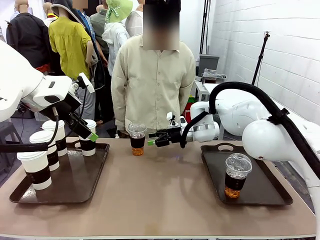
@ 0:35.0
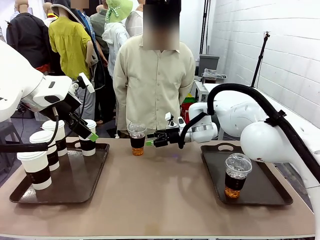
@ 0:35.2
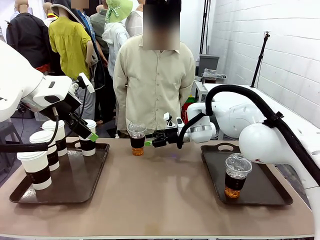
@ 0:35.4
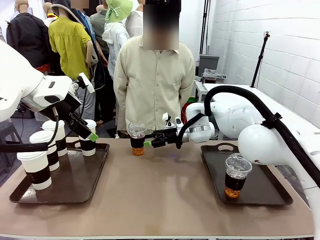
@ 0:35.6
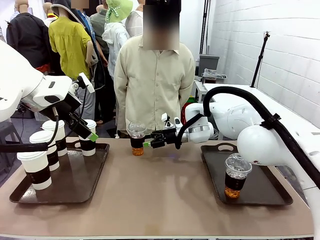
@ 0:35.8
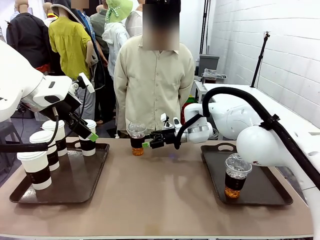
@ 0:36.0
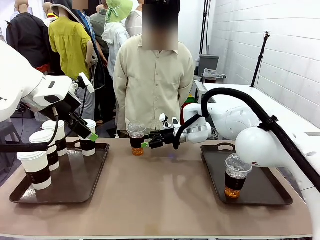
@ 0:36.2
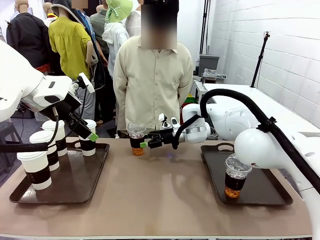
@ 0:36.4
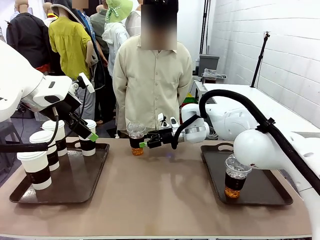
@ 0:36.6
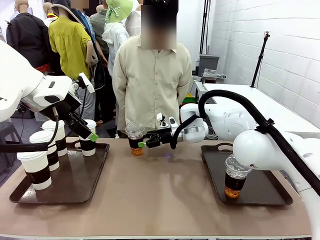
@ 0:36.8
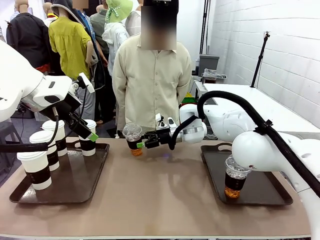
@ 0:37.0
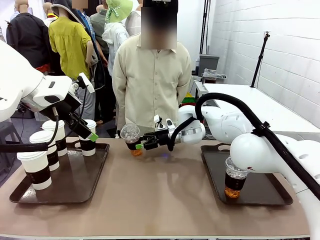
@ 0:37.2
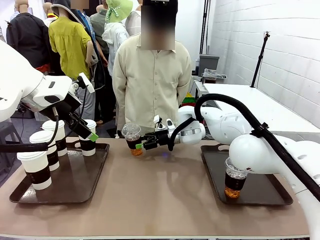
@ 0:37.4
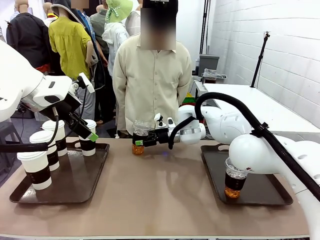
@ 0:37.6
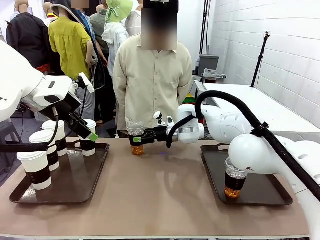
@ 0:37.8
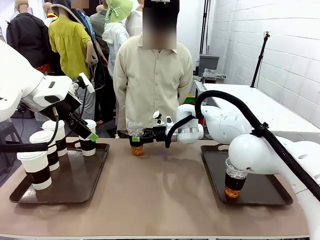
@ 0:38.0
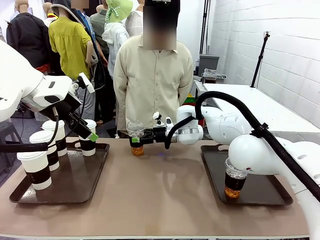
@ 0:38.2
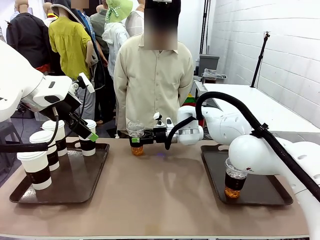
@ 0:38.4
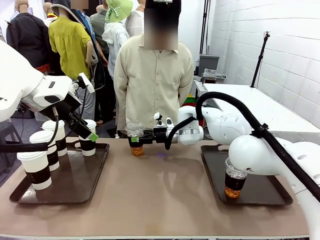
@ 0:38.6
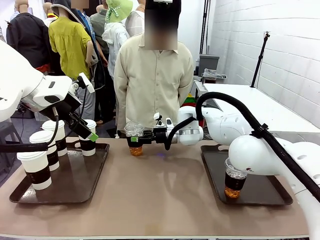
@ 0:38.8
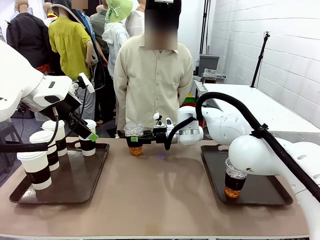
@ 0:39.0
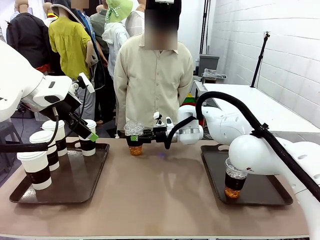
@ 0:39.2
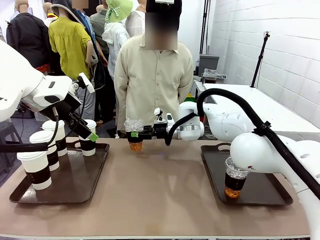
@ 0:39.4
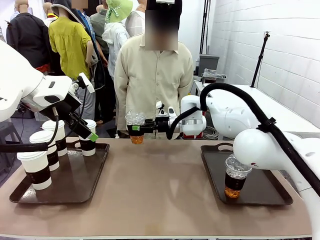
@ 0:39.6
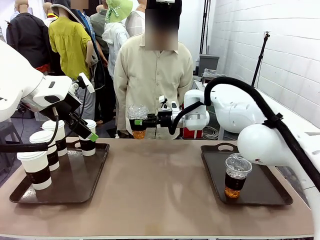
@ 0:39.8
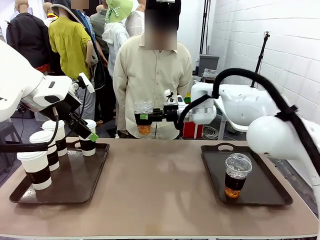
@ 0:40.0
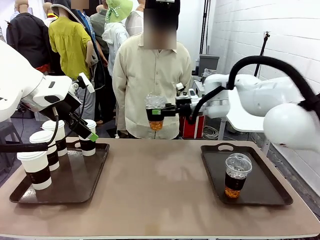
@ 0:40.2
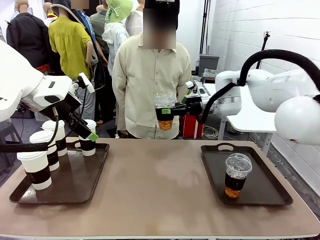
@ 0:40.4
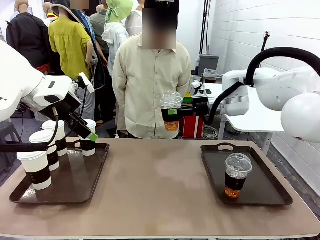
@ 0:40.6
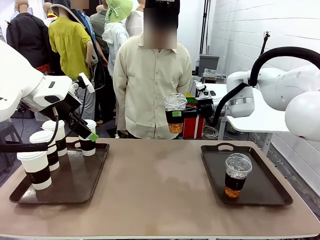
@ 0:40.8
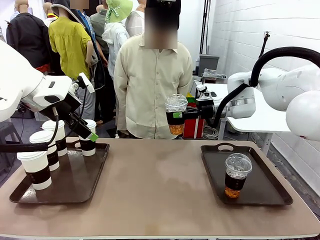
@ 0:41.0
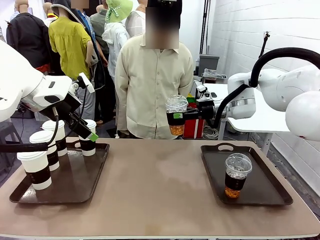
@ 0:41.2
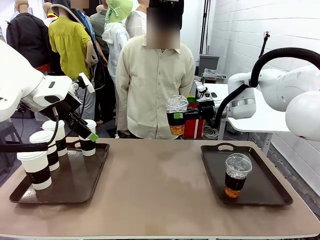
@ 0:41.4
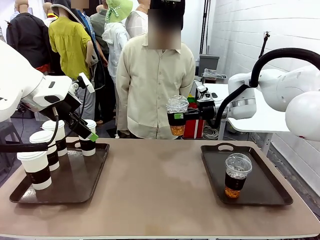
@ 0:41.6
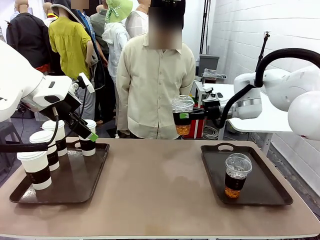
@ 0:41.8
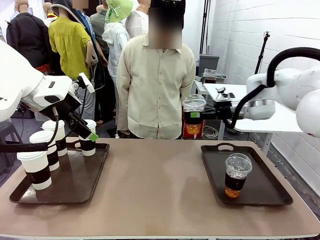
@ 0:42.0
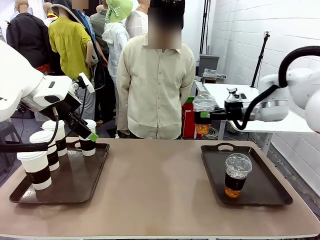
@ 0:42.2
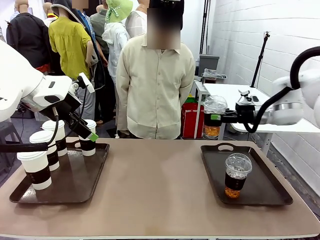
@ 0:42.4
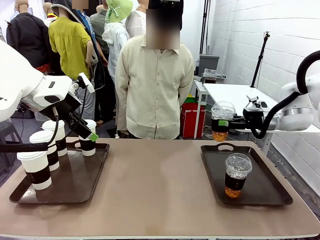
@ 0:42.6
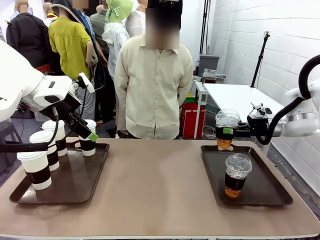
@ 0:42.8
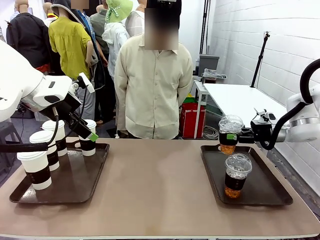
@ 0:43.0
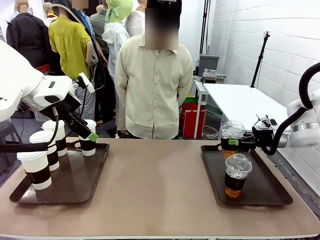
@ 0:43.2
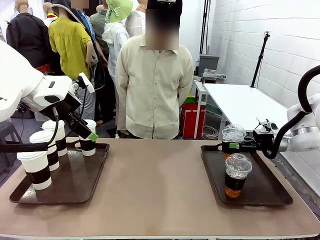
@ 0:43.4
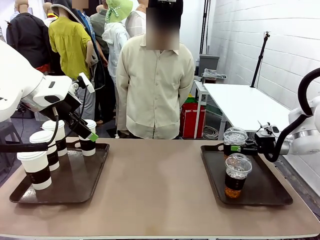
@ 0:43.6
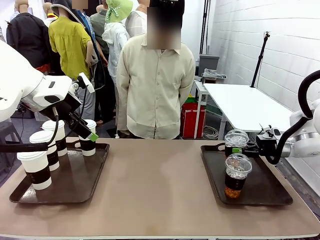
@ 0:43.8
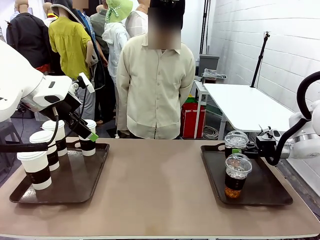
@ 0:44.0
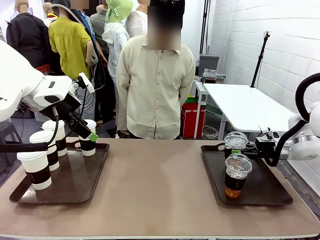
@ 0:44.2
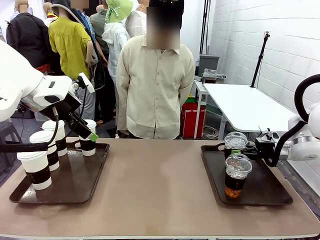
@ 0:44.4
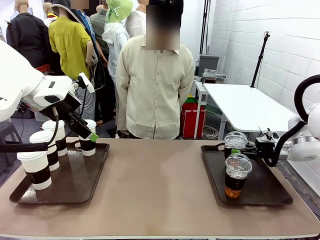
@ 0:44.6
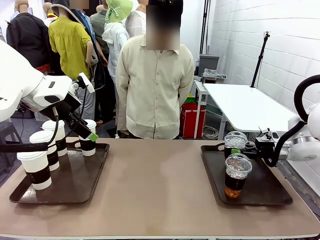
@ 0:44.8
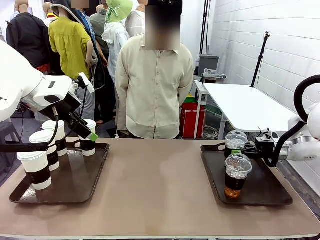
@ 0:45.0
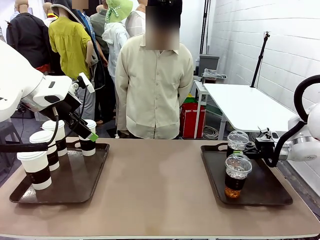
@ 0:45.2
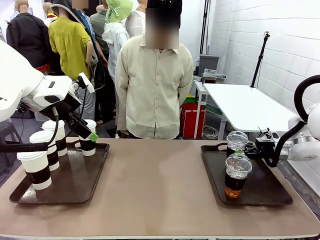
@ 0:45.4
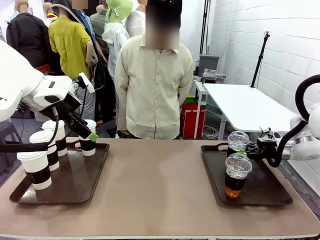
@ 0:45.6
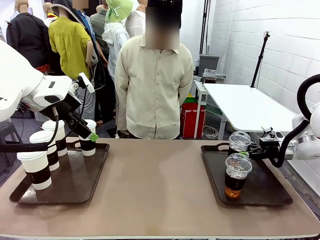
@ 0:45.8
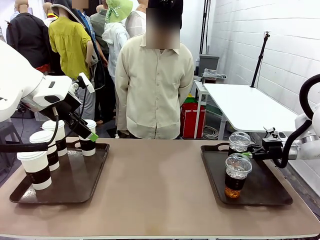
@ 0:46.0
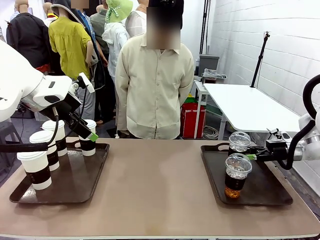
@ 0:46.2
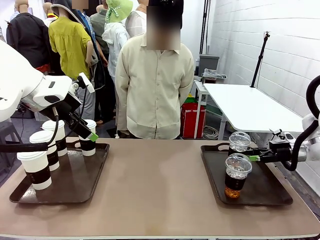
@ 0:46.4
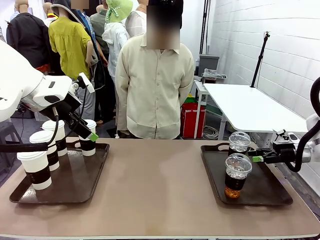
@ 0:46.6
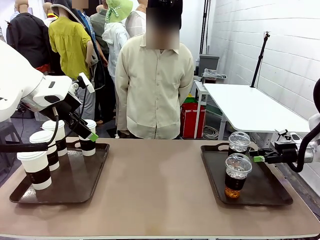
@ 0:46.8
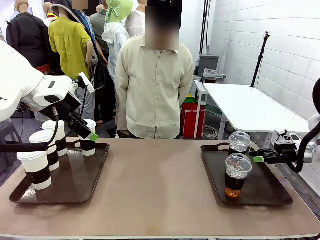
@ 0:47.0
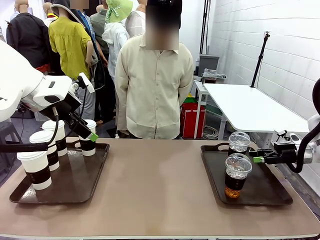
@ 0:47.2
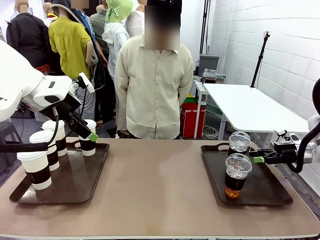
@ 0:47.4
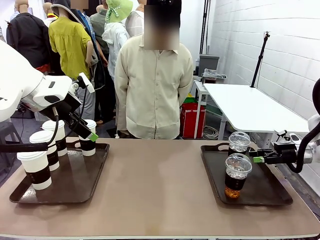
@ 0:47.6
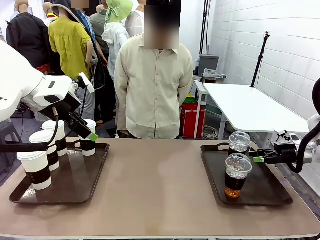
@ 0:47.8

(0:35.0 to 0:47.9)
Task: Distribute the coffee onto the tray.
Robot: Pick up another iced Americano from the middle of the table and place it on the right Handle tray.
